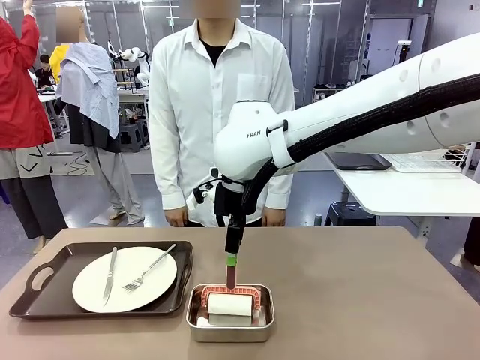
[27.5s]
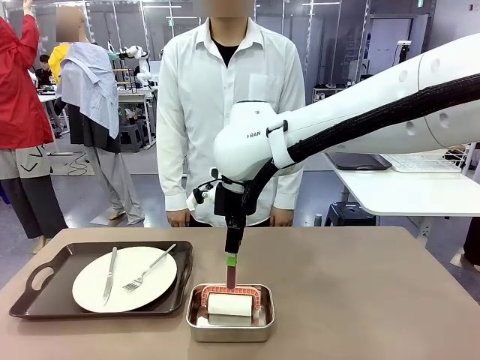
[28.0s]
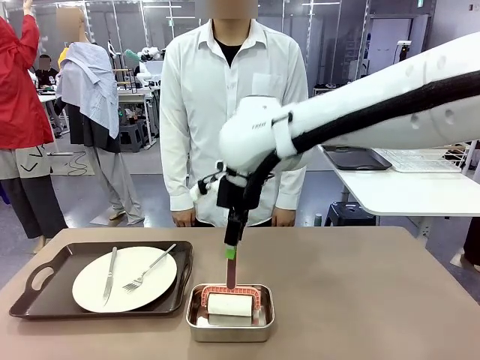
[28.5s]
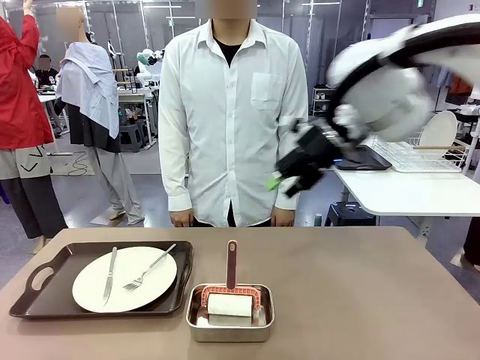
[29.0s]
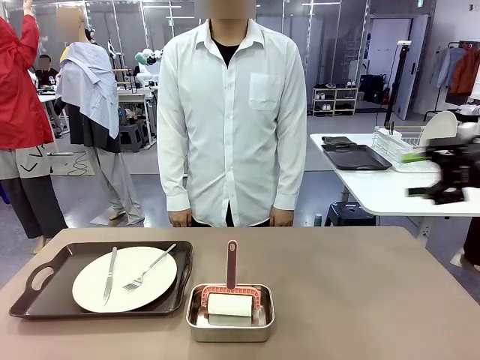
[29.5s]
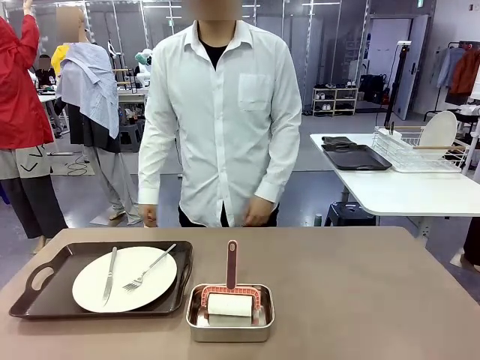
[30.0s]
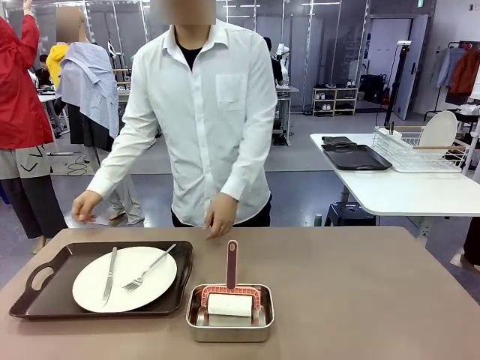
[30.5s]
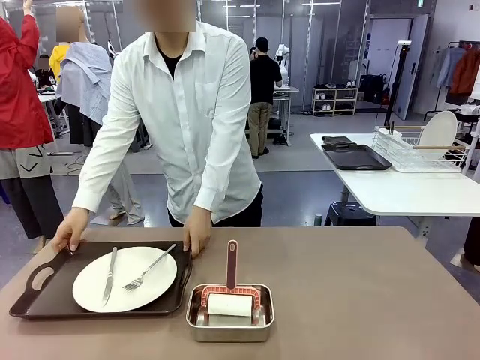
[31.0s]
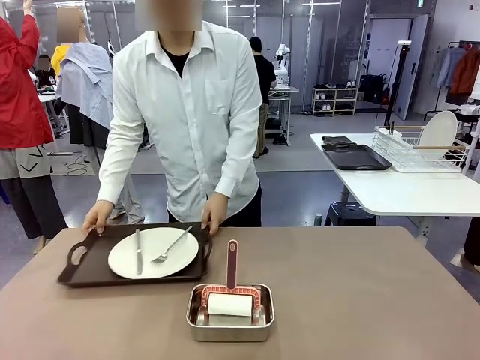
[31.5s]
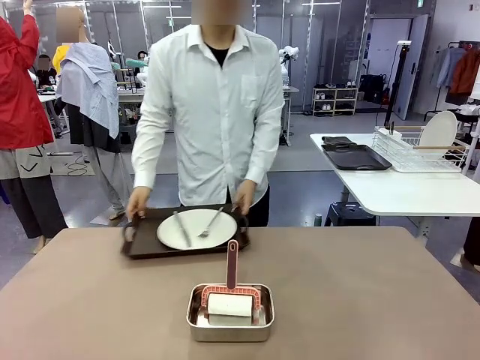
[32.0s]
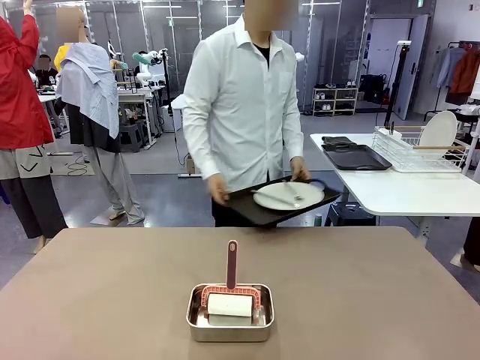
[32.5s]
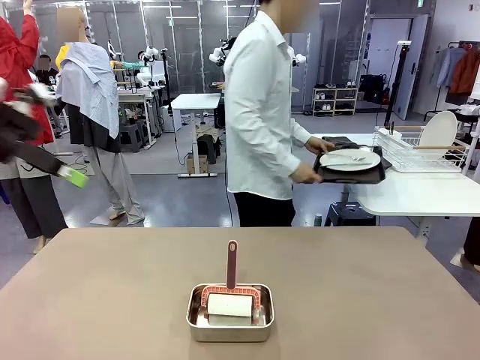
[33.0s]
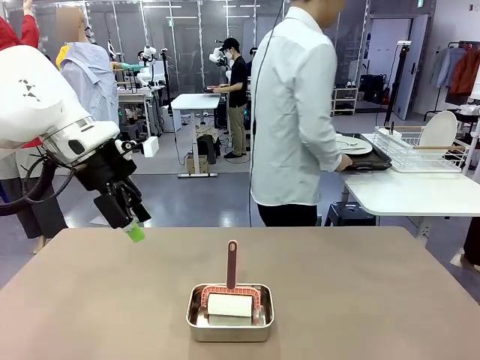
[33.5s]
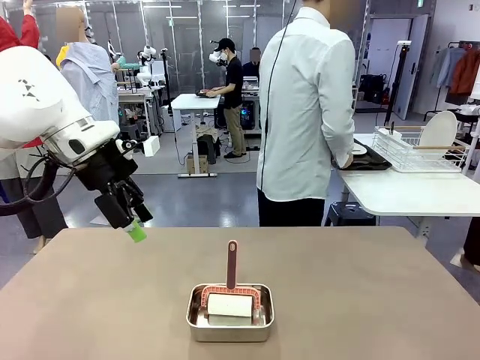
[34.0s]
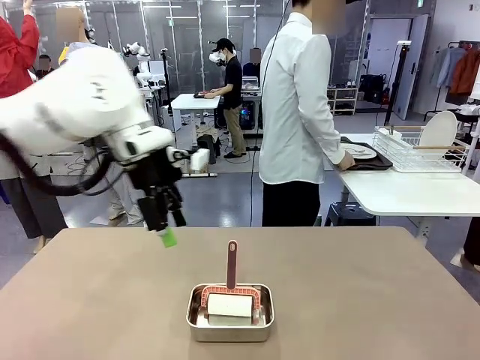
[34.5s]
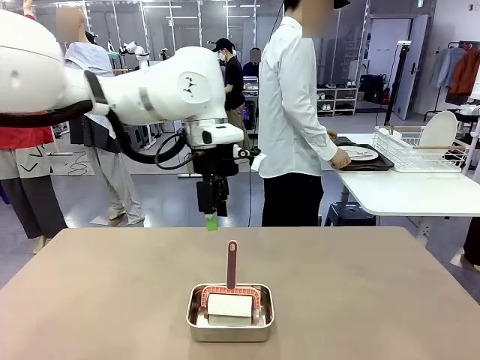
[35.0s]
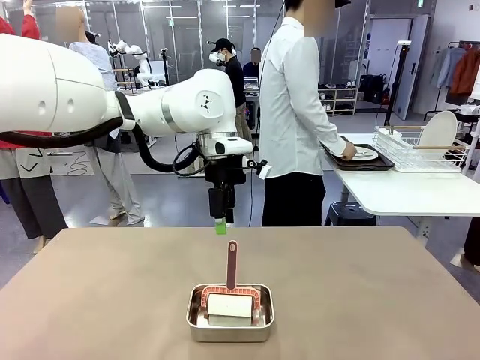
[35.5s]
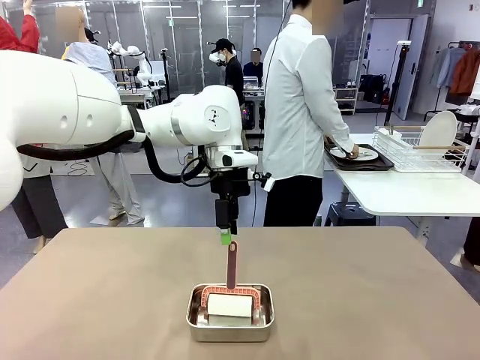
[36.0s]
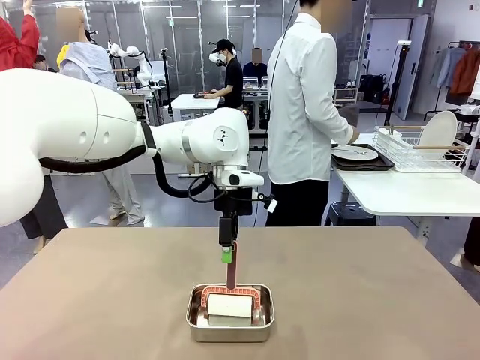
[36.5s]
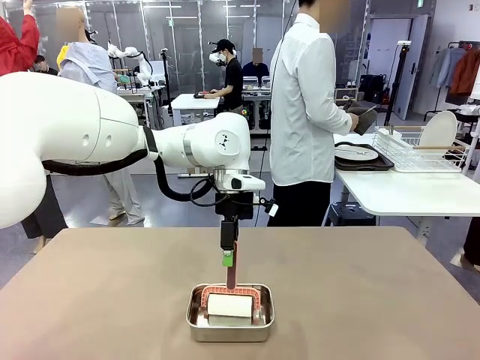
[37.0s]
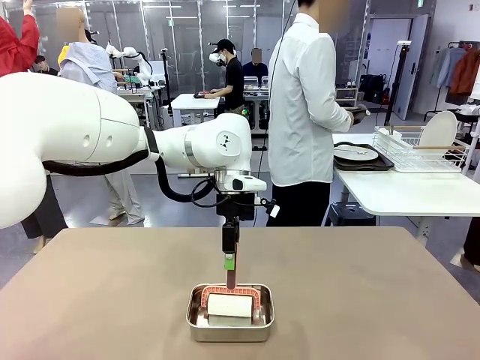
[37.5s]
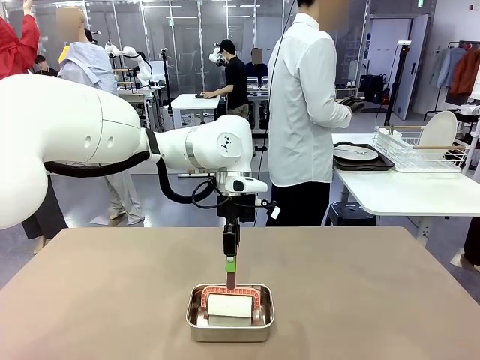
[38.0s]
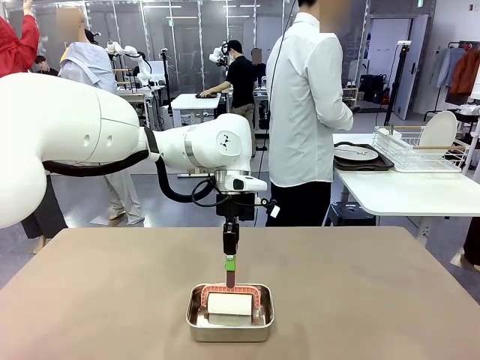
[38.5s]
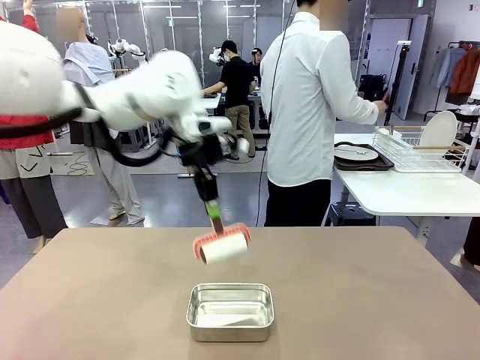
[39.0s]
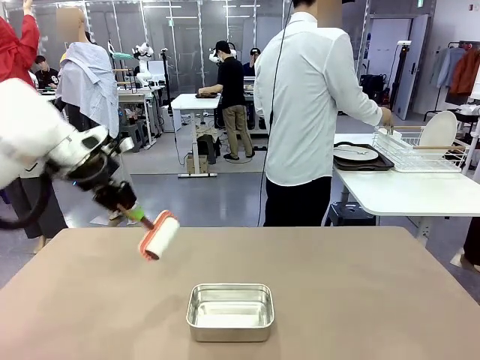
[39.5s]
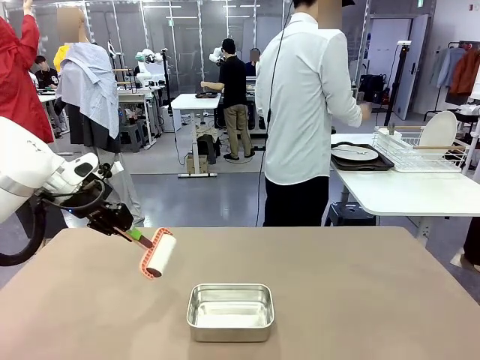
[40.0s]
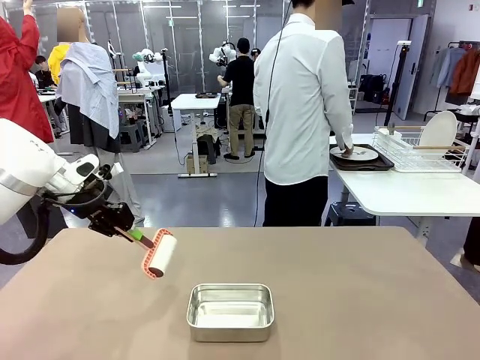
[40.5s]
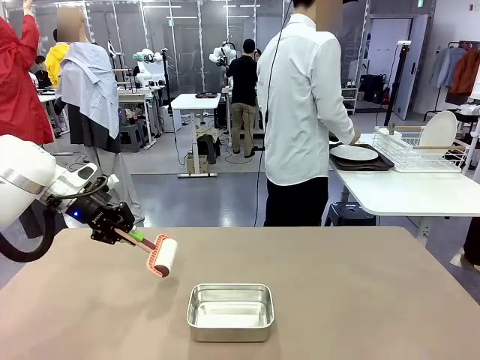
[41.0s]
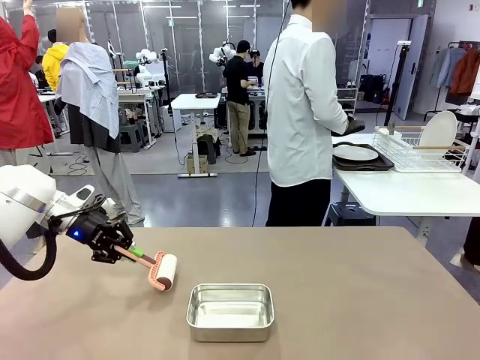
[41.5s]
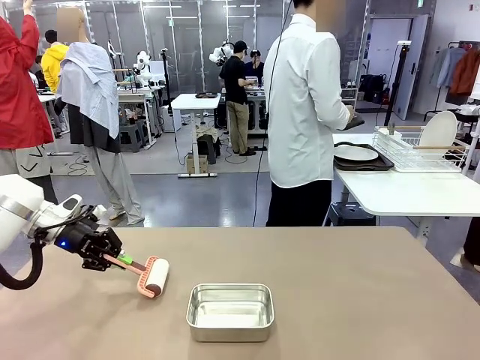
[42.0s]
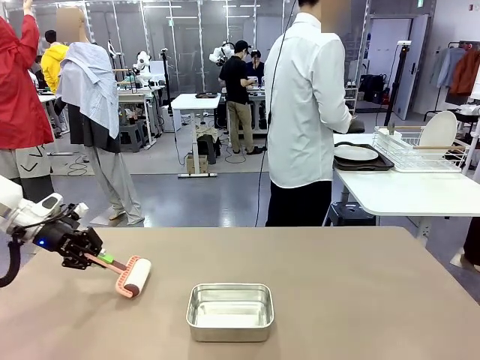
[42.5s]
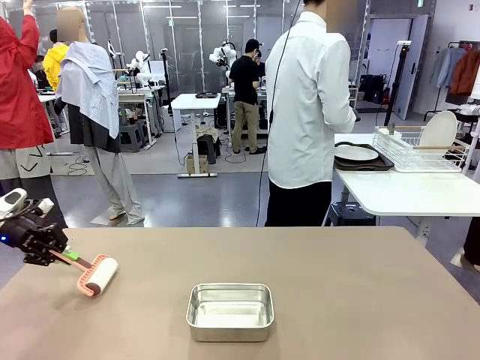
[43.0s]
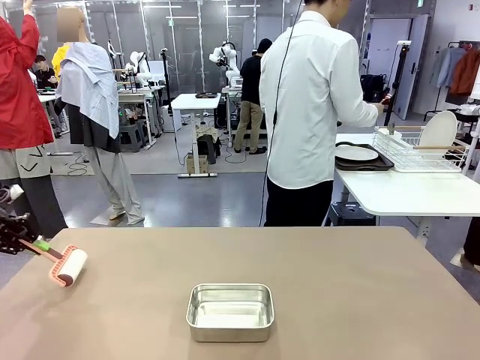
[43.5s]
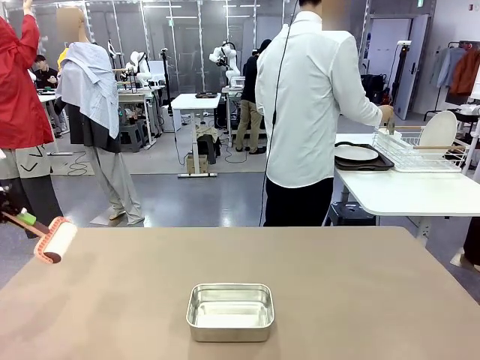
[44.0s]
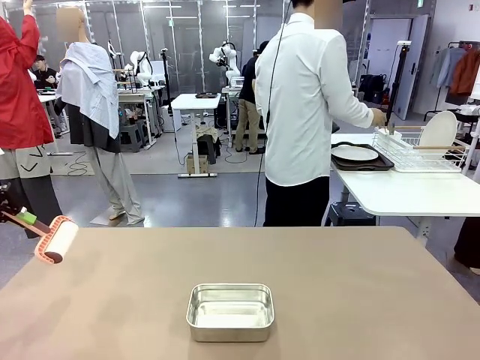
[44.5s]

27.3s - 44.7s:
Robot: When the right (or left) Handle tray is removed, use the right hand (or left hand) to clean the right (or left) side of the table with the Lint Roller.
Person: Pick up the left (or right) Handle tray and place it on the Handle tray.

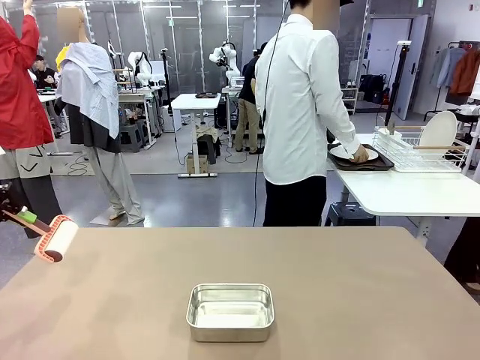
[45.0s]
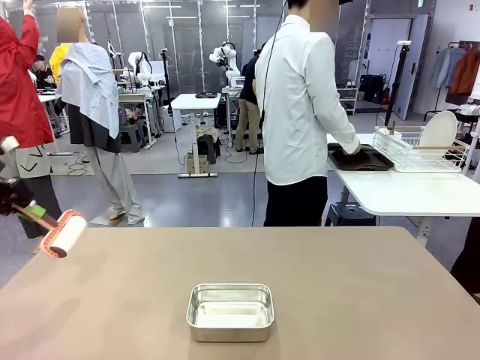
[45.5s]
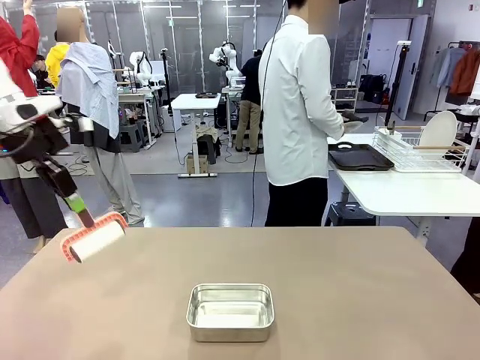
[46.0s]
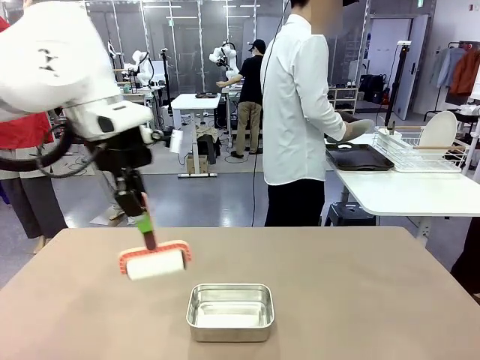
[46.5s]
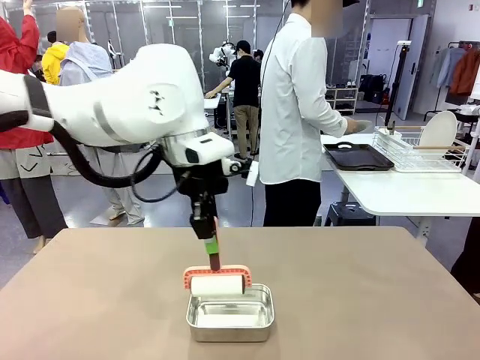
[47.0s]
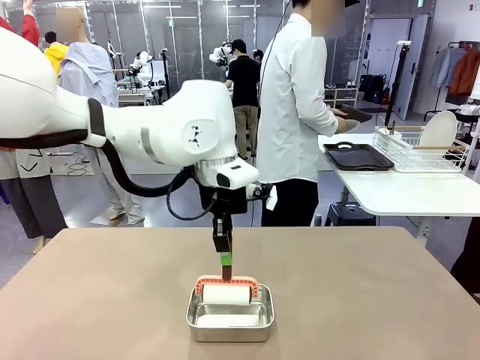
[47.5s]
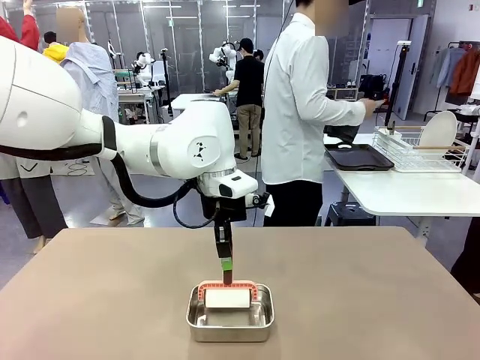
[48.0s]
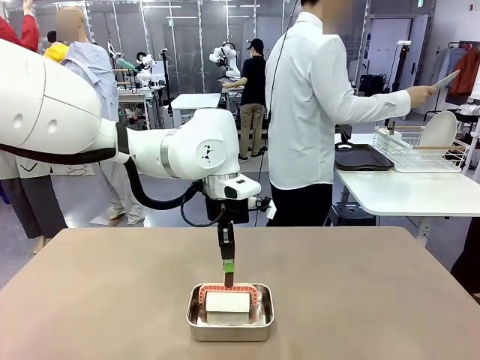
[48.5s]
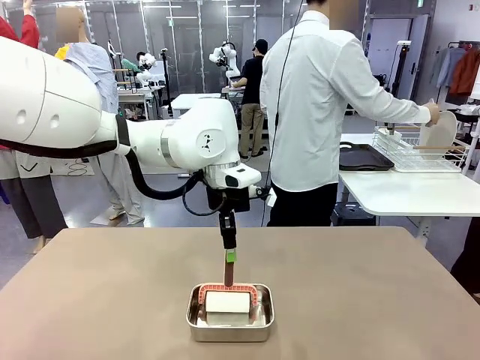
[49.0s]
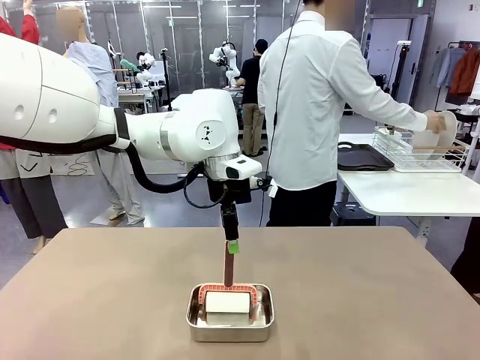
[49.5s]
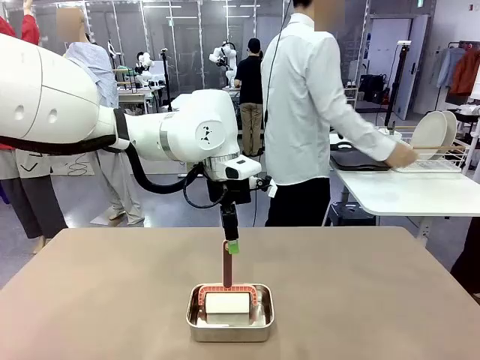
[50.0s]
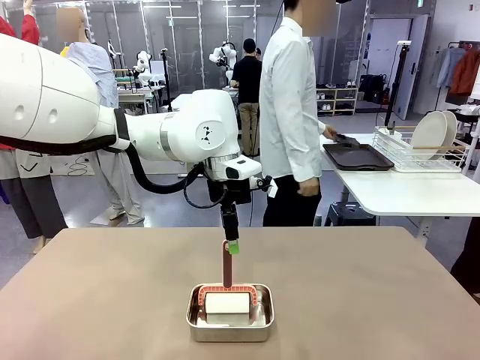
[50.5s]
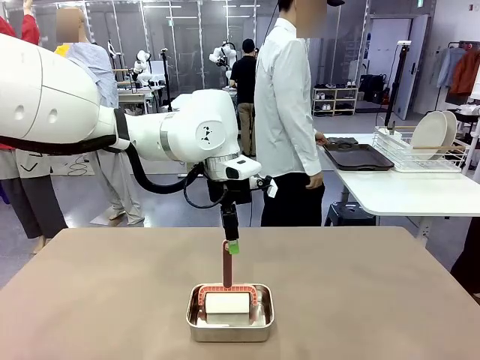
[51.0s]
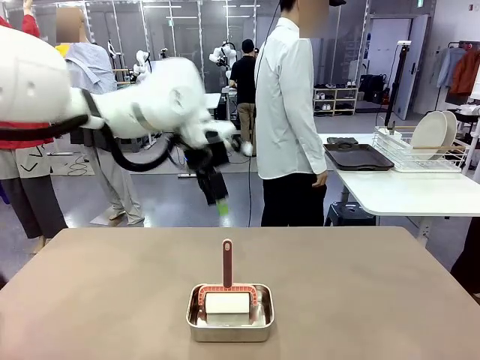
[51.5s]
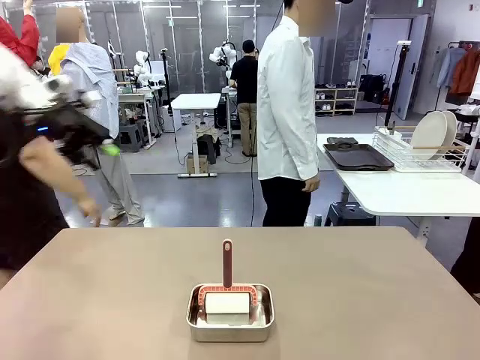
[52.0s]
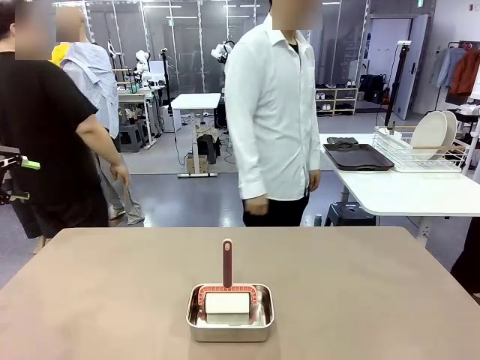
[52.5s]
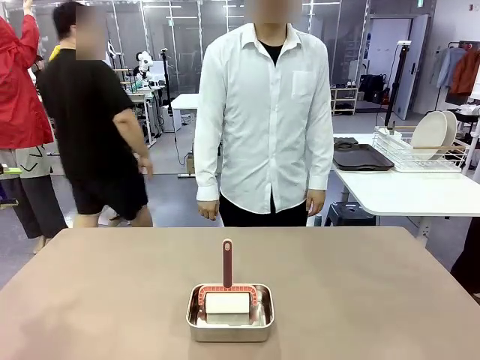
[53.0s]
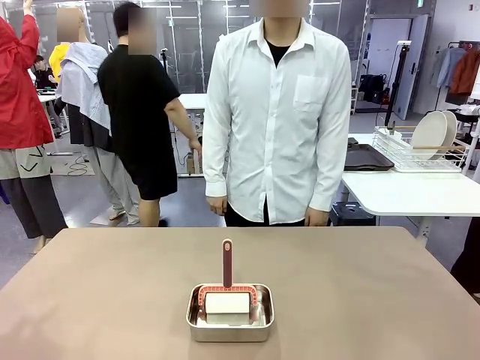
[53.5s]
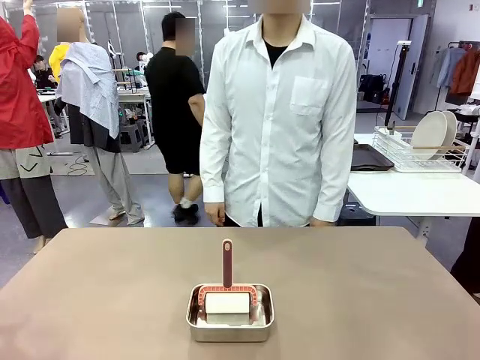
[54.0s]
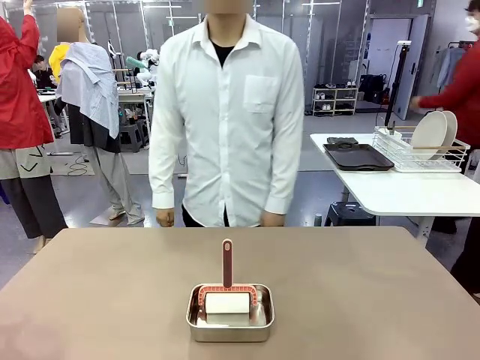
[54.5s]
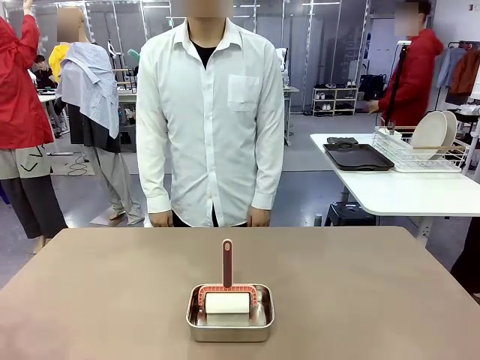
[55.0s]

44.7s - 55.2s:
Robot: Place the Lint Roller back on top of the Airtight Container.
Person: Use the Towel with hook to wipe the Plastic Matte Plate , Fork , and Knife and place into the Dish drying rack.
